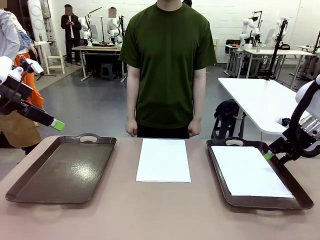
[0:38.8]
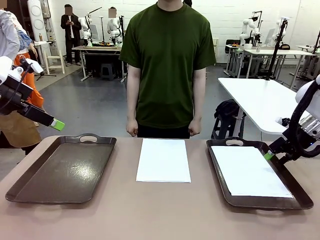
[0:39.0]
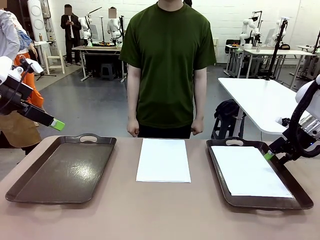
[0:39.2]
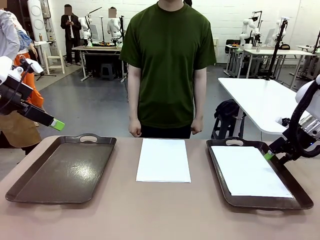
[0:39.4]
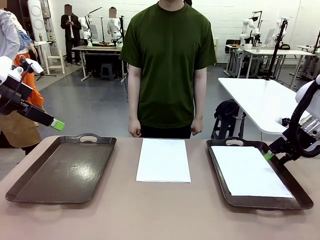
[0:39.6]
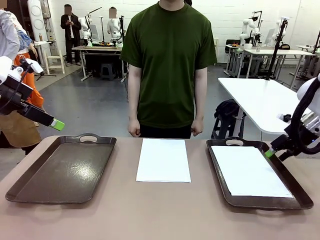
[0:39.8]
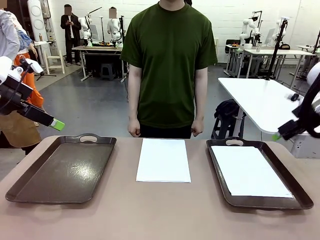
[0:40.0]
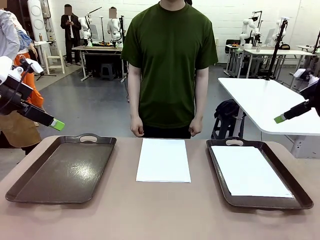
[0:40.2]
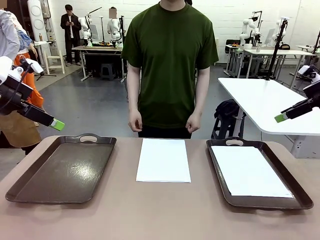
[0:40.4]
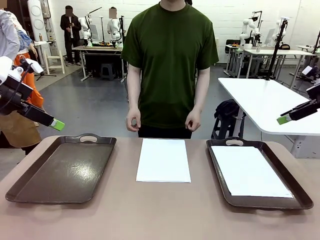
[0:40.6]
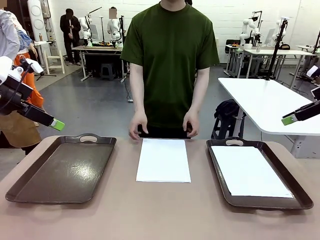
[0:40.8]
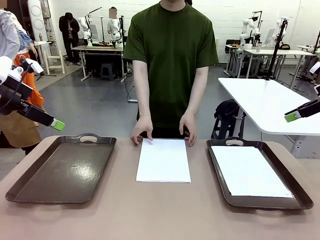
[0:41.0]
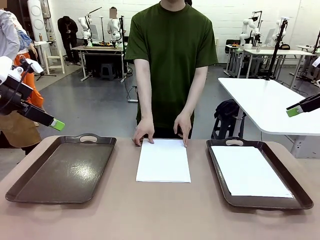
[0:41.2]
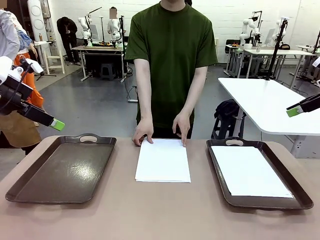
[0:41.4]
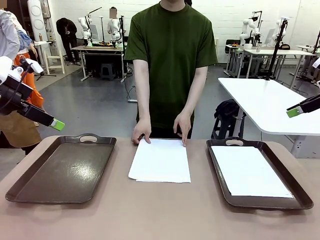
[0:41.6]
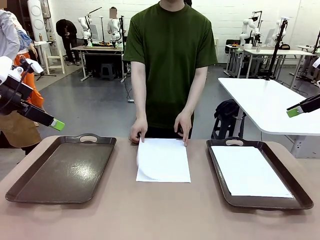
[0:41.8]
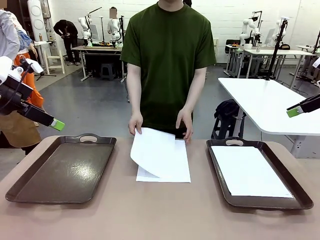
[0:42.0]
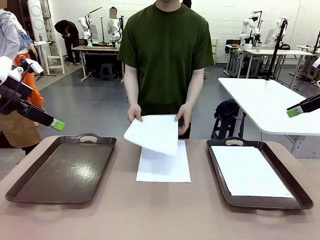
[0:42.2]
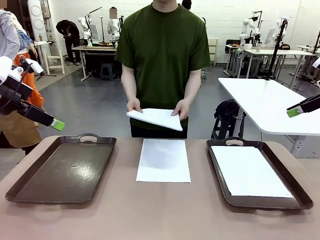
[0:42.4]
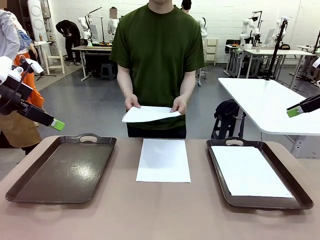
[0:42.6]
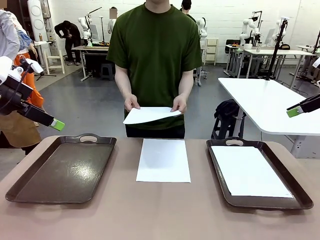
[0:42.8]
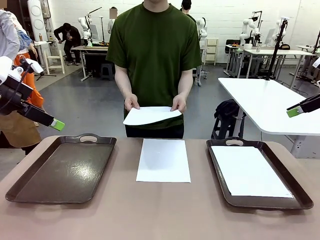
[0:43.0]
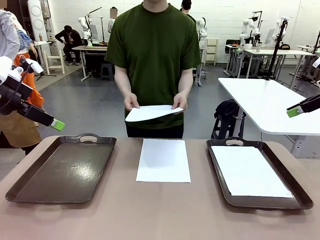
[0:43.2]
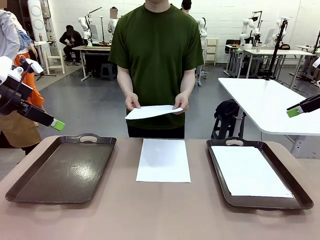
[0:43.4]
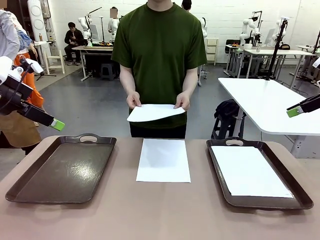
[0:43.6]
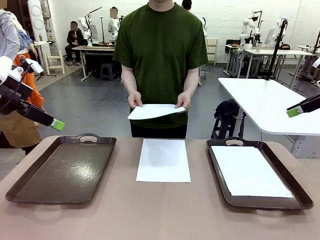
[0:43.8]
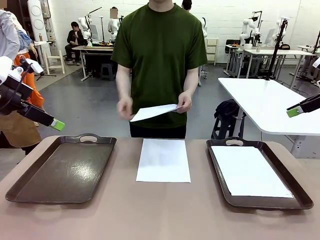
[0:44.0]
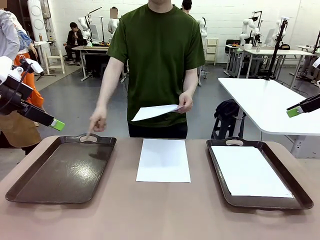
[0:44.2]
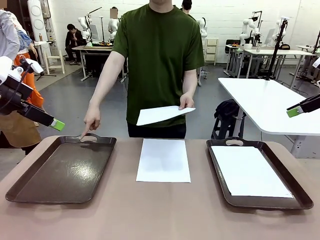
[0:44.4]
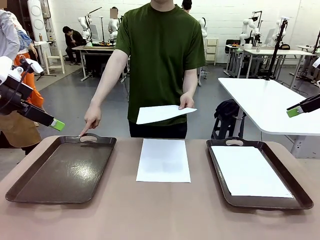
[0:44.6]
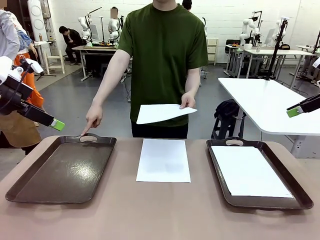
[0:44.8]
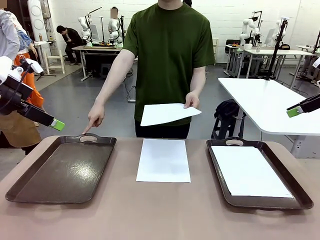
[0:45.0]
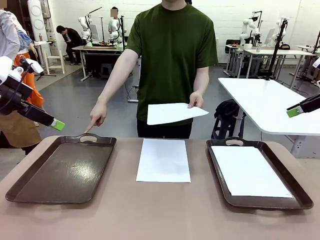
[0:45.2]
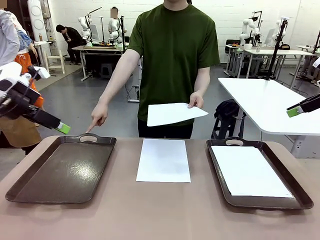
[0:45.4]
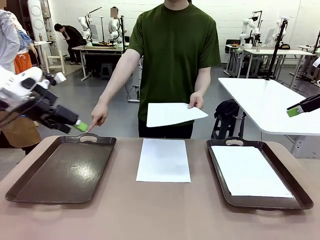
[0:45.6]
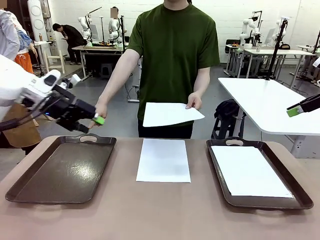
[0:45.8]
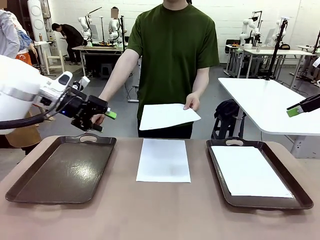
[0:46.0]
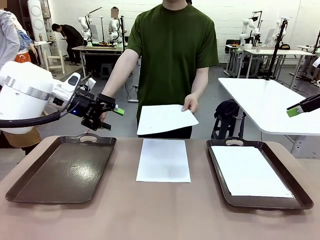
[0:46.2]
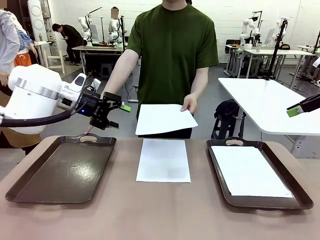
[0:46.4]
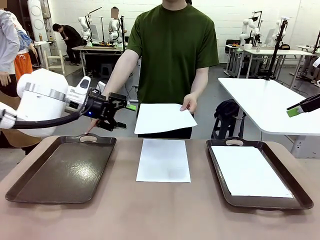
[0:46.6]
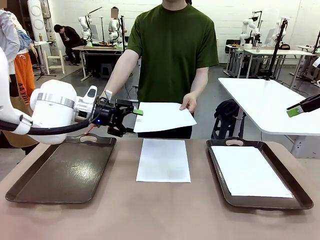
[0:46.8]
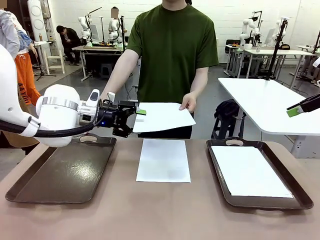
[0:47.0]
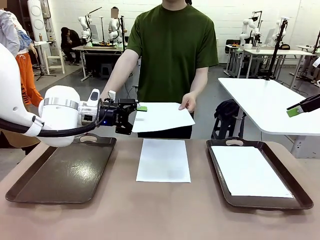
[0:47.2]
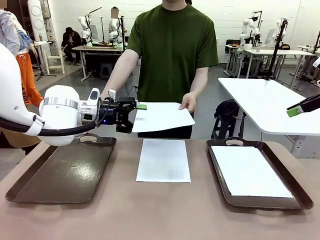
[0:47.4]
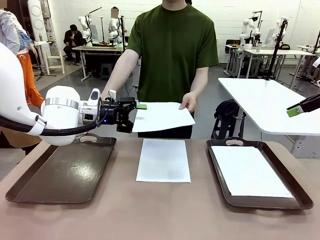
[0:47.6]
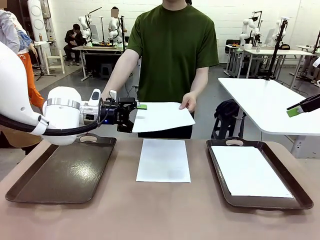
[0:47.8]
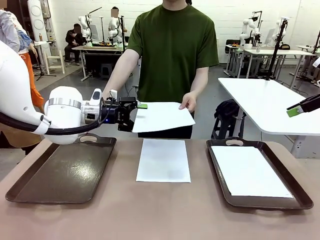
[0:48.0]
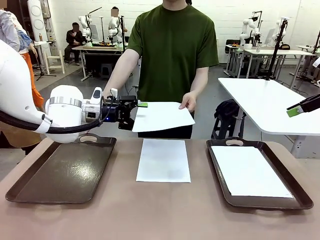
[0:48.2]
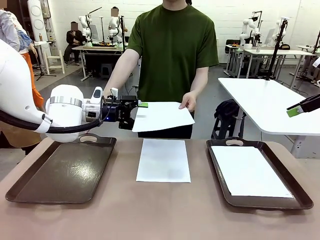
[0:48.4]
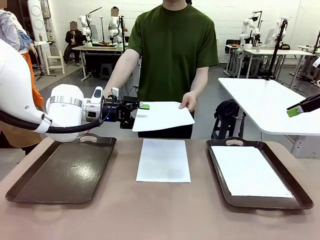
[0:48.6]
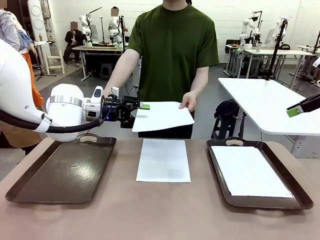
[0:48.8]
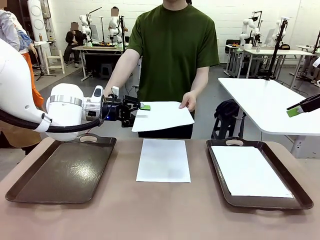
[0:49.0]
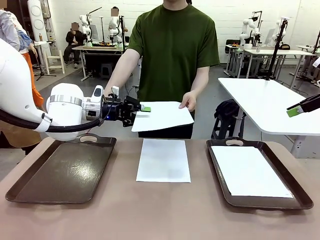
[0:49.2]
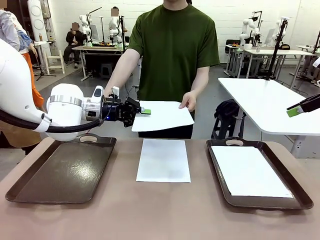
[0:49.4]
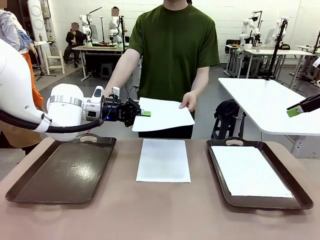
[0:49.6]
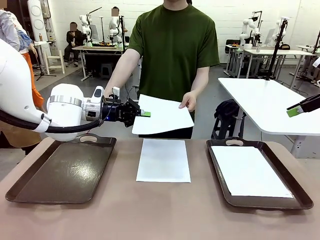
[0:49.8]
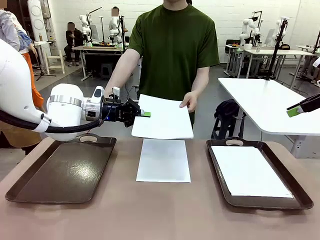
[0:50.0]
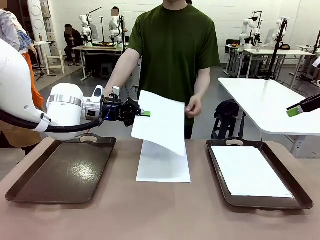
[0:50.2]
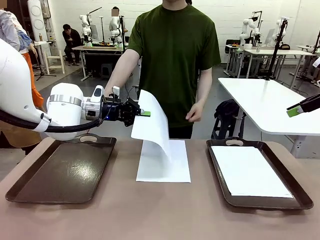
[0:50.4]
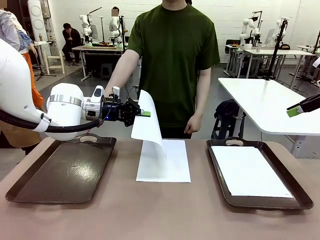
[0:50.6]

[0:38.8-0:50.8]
Task: Sort the A4 documents.
Robot: Receive the A4 Paper.
Person: Point the randomly selected tray with the other hand.

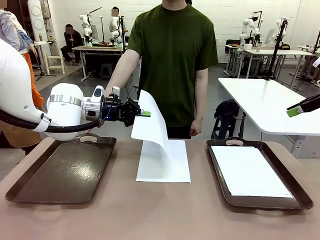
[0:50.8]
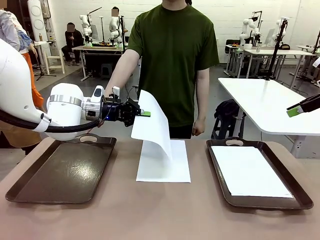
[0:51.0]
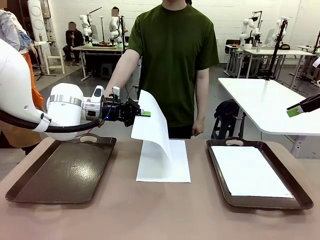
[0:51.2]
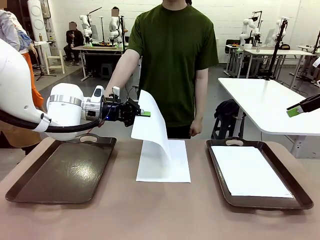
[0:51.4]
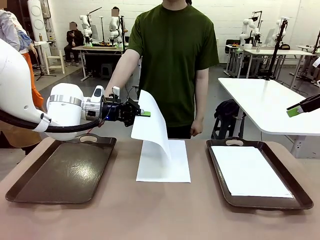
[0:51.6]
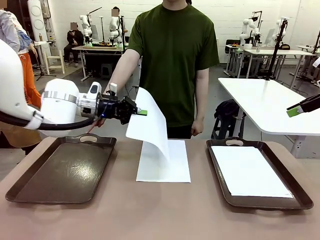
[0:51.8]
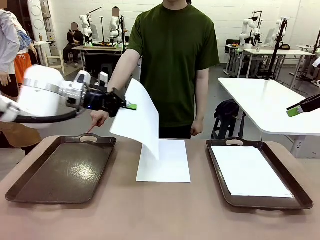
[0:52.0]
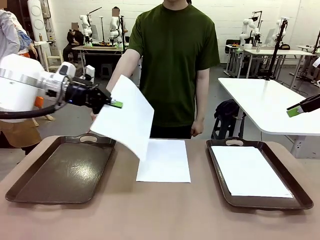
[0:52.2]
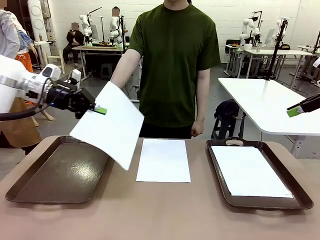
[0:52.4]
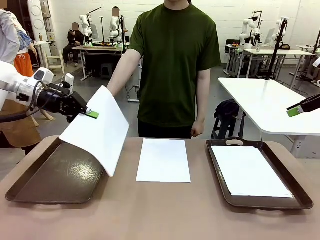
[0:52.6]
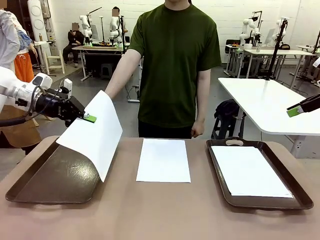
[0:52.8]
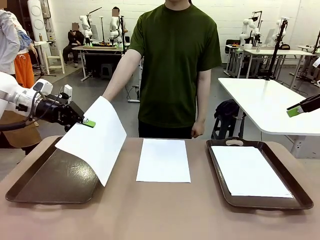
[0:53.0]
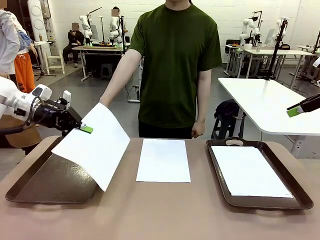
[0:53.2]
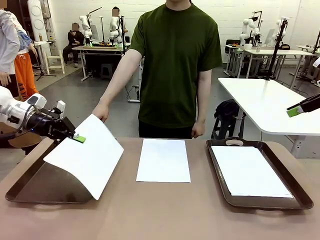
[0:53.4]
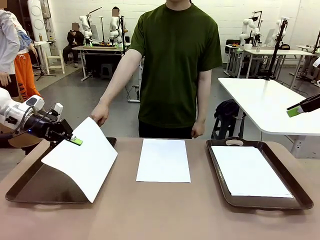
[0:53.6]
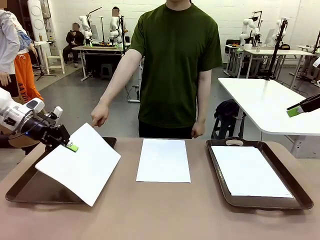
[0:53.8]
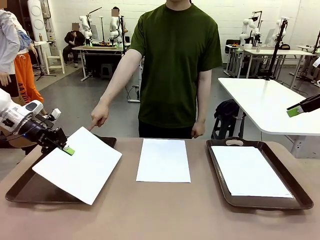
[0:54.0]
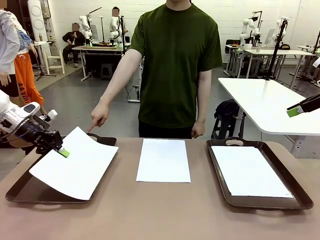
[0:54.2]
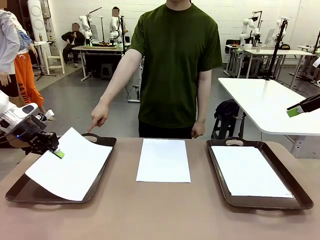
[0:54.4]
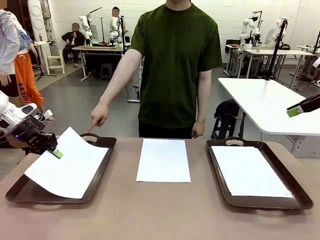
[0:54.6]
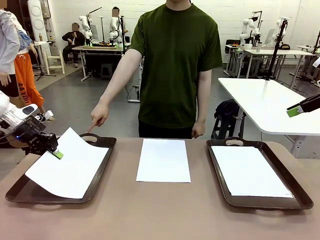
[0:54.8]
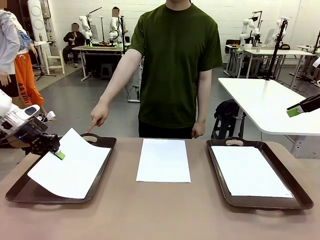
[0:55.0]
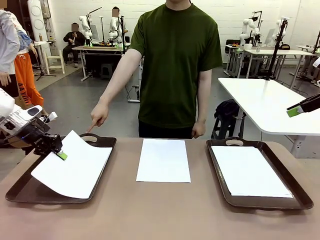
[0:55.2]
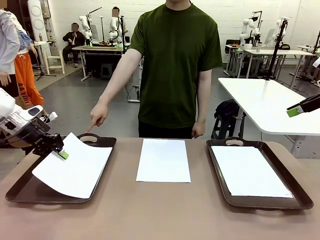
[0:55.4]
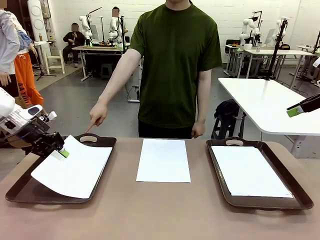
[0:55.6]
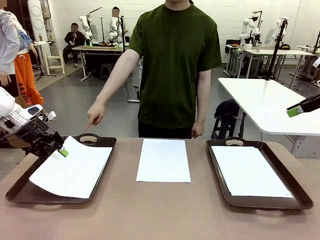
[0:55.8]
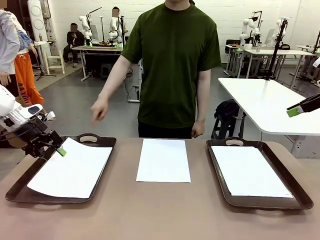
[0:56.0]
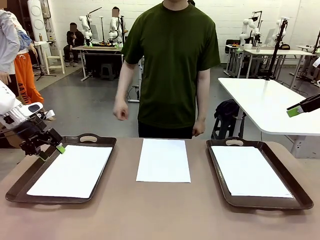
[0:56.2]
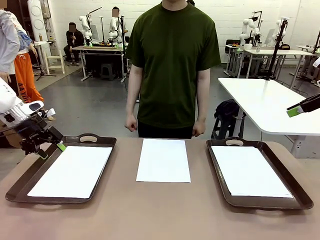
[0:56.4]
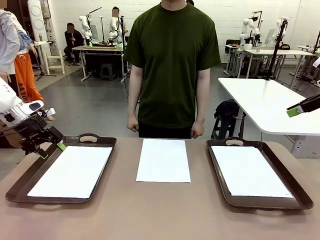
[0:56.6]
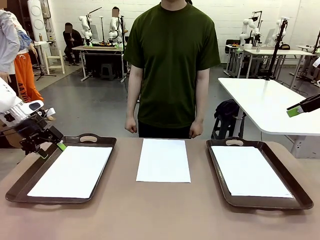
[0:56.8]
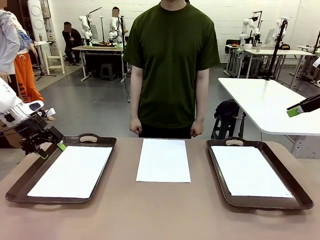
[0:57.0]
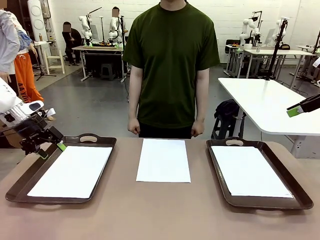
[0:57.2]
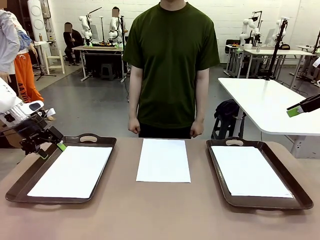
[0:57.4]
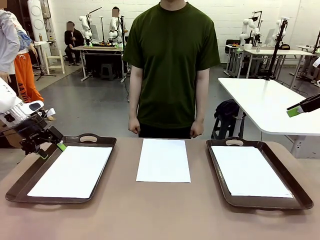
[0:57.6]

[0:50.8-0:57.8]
Robot: Place the A4 Paper in the designated Handle tray.
